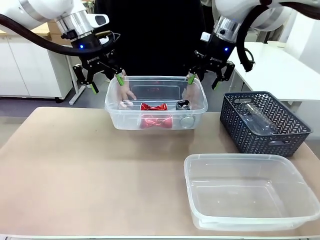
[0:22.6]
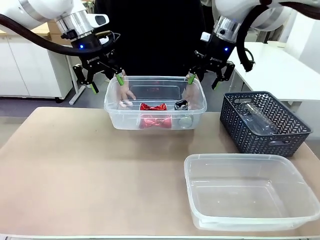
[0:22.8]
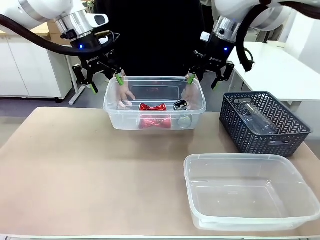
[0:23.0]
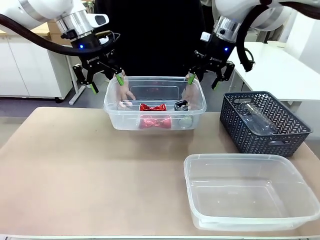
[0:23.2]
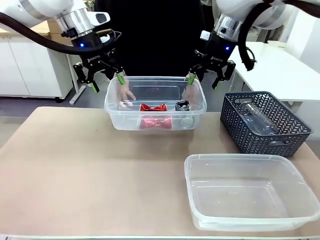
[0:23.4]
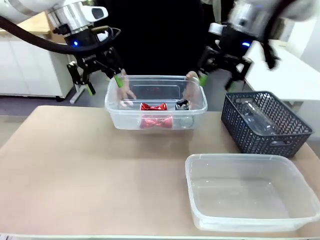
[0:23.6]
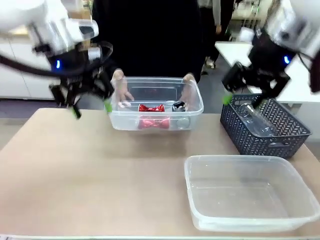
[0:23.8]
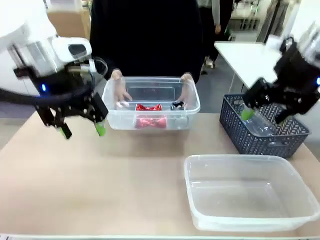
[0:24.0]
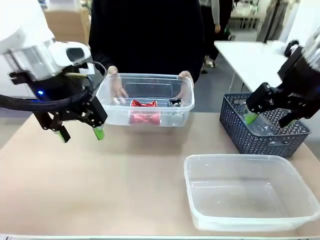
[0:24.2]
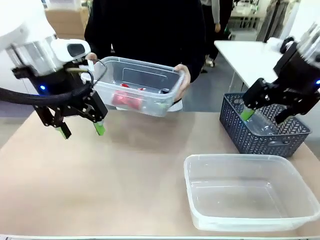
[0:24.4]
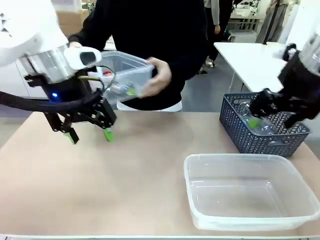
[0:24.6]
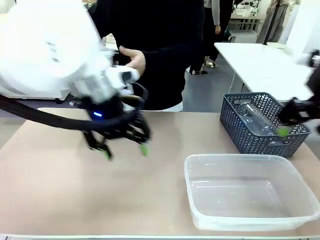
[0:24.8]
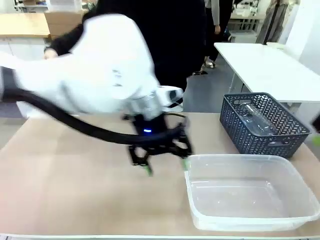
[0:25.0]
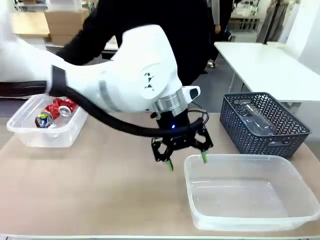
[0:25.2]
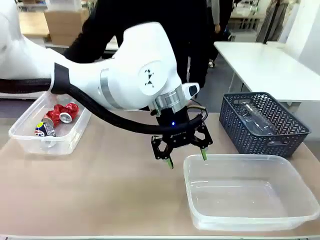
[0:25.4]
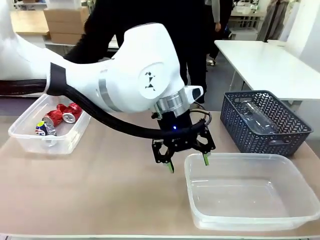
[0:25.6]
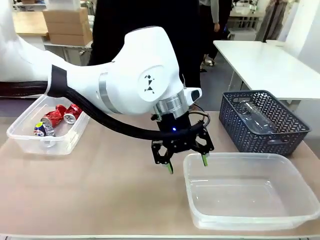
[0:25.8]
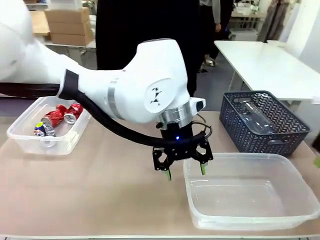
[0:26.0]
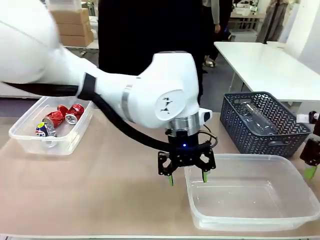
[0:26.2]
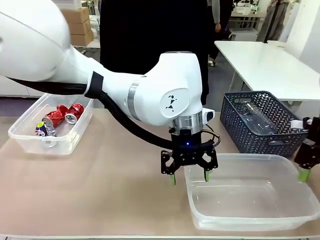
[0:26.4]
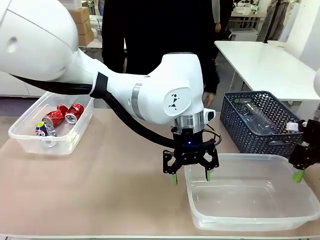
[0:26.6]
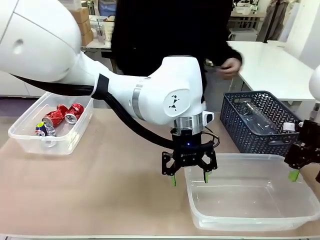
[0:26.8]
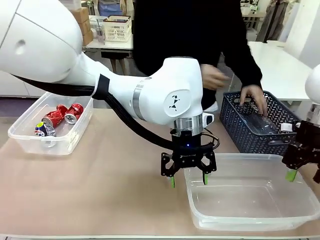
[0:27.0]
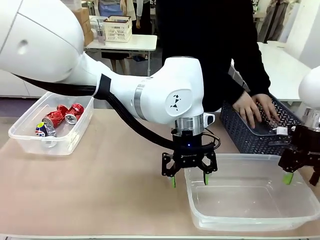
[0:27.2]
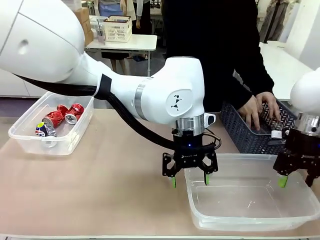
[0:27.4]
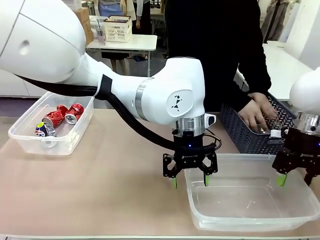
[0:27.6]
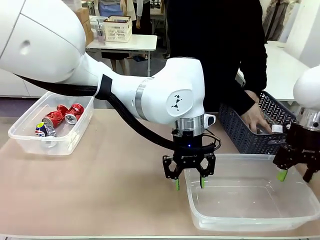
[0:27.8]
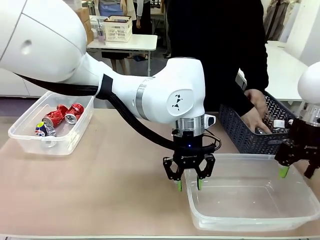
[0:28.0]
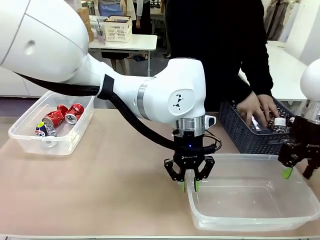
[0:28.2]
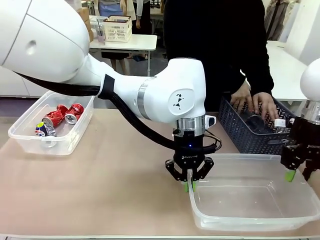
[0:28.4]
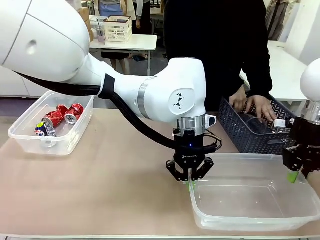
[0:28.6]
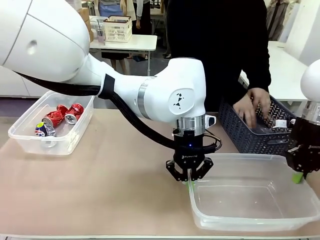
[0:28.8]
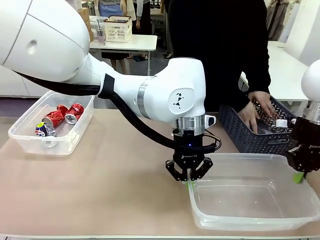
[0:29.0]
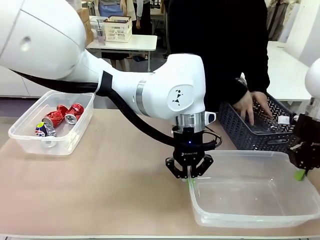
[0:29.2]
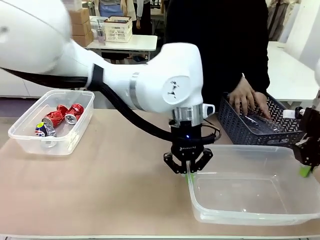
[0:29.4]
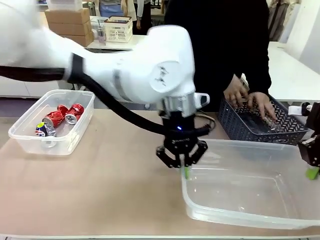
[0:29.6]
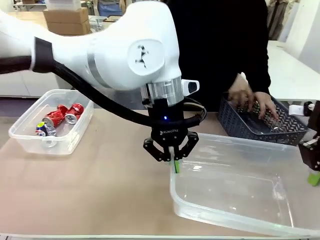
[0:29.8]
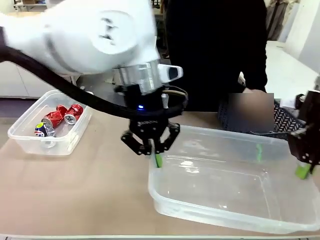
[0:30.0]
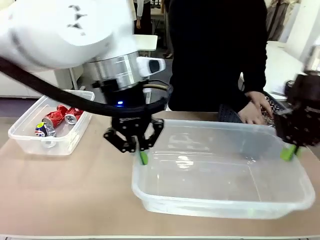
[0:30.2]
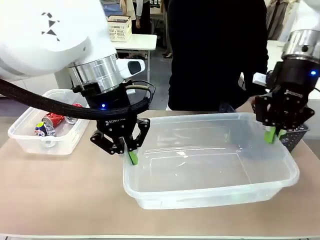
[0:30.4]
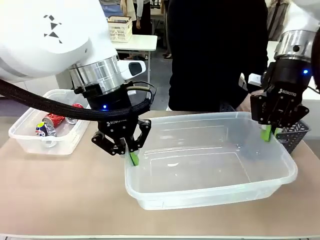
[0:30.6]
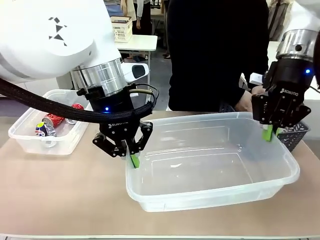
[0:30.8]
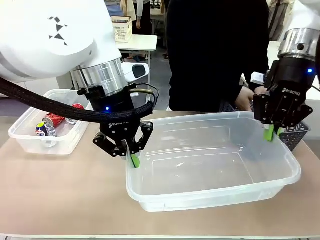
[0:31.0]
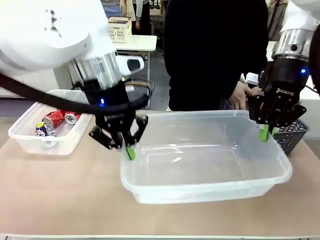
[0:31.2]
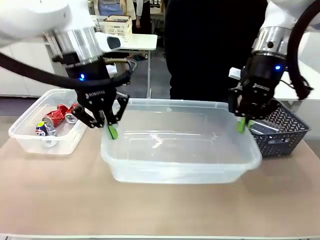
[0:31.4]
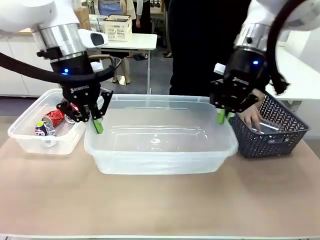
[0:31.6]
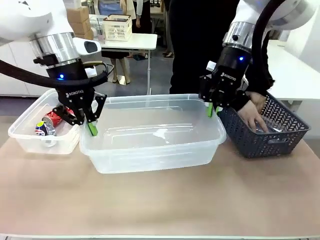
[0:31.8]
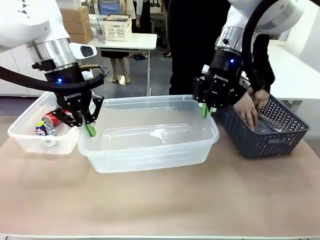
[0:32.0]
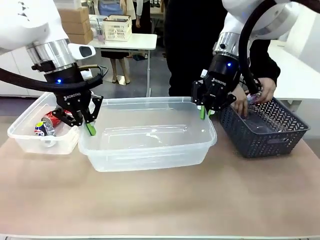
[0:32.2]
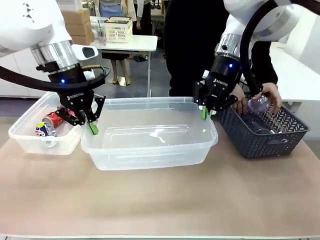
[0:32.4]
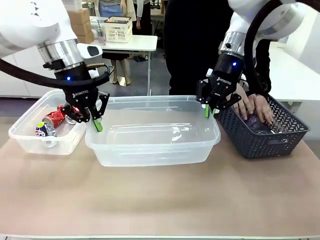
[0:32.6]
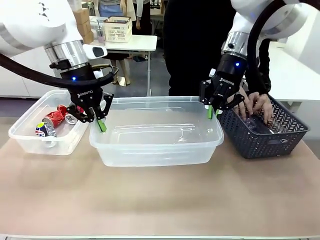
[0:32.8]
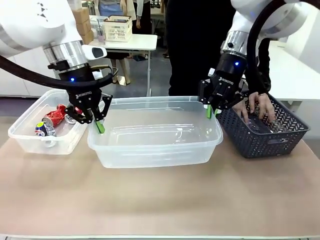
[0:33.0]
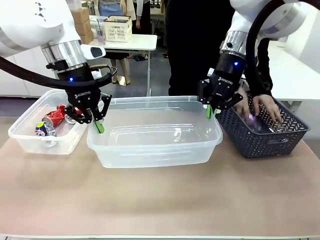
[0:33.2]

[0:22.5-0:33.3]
Robot: Pick up the Organizing box on the right side of the table and lift it.
Person: Place it at the edge of the bottom right area of the robot table. Pick up plastic waste one by one and place it into the organizing box lifted by the robot.

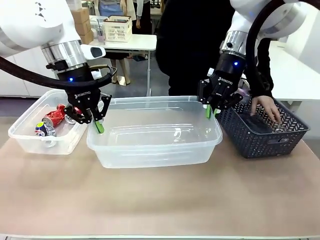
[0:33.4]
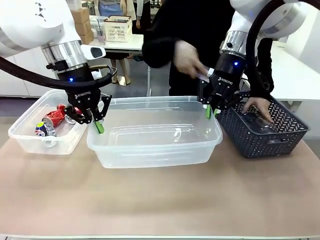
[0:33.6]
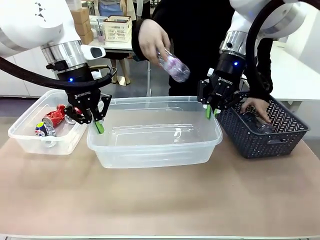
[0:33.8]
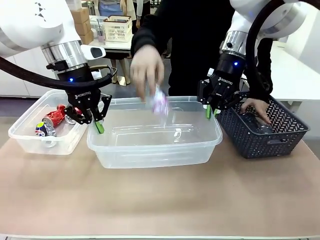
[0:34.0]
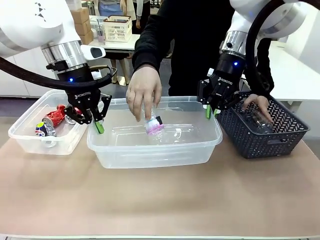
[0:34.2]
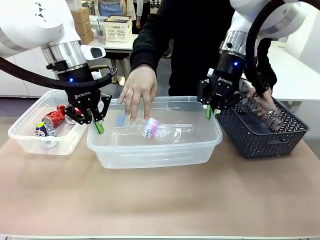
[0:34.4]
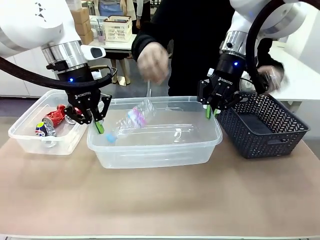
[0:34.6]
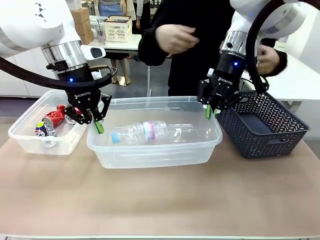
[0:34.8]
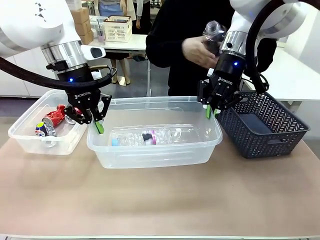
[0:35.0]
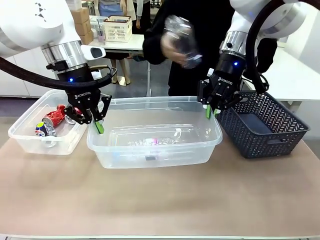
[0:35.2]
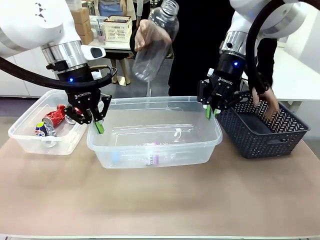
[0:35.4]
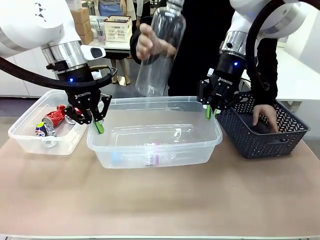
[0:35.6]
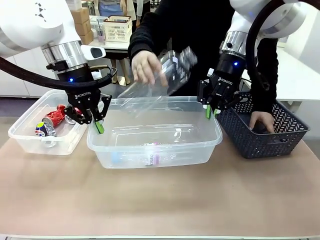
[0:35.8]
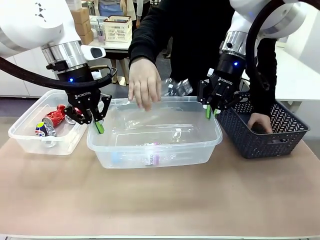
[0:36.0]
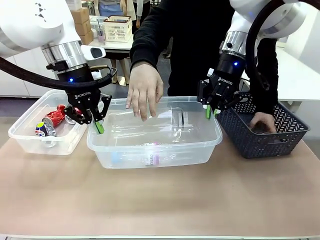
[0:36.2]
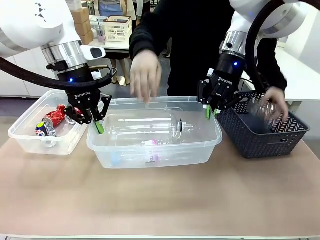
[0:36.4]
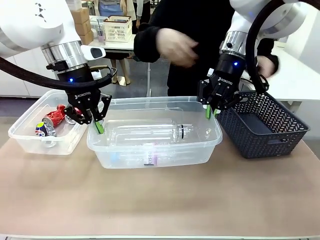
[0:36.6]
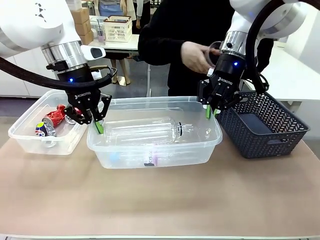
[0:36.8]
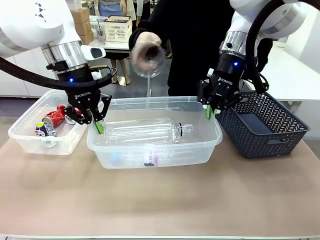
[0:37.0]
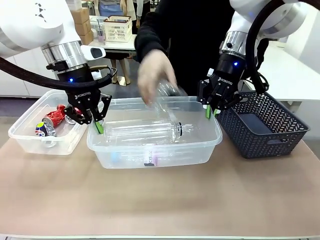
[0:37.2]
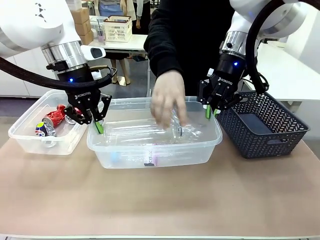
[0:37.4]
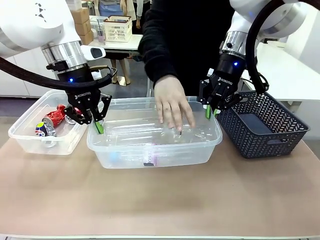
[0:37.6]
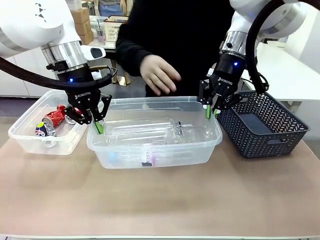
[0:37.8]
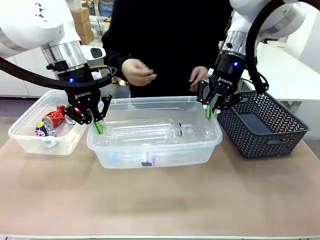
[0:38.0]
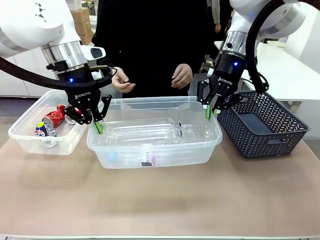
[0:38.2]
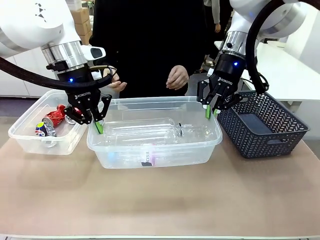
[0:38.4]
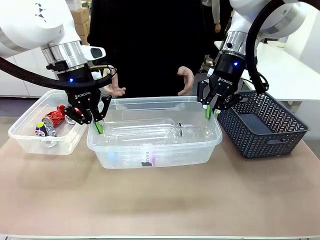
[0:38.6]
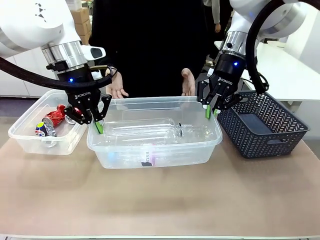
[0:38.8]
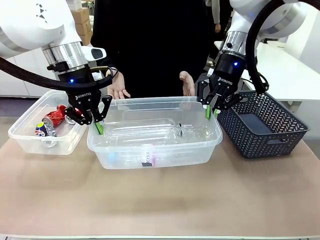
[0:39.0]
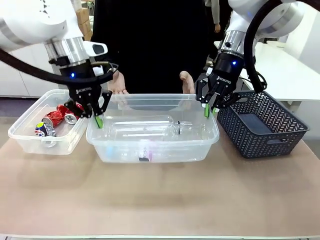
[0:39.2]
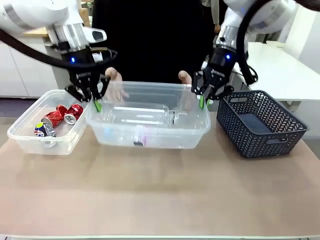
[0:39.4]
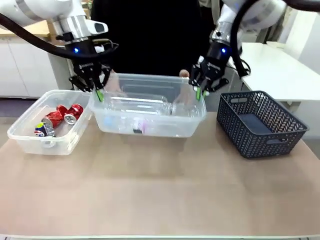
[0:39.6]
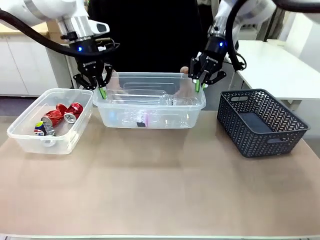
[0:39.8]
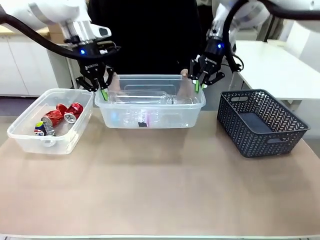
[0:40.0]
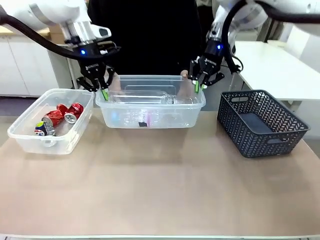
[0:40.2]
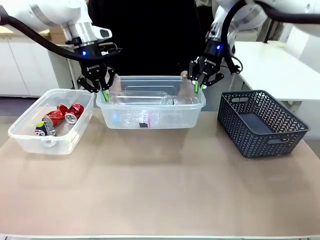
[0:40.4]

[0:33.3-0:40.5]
Robot: Offer the picked Organizing box to the human.

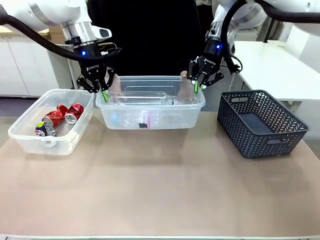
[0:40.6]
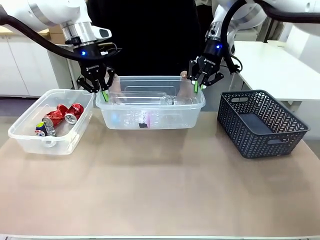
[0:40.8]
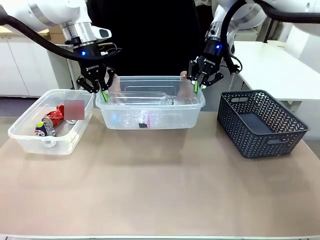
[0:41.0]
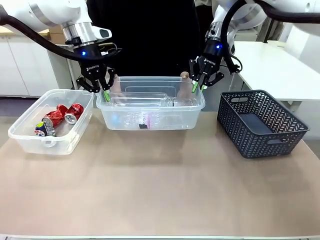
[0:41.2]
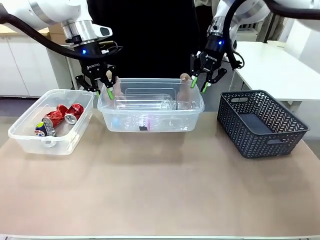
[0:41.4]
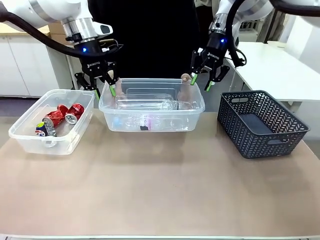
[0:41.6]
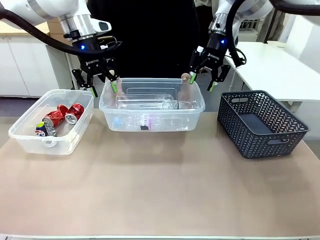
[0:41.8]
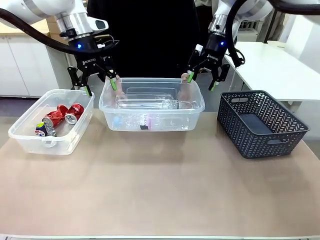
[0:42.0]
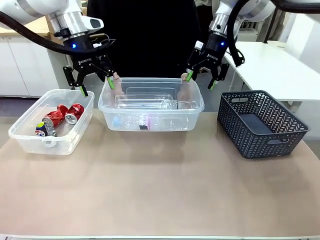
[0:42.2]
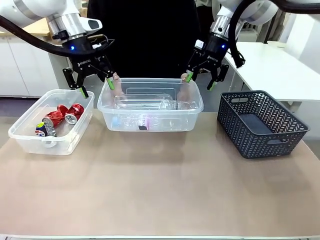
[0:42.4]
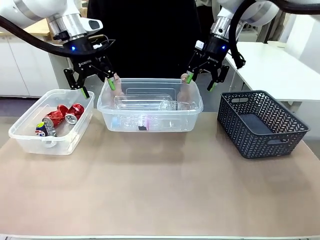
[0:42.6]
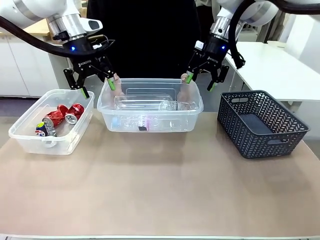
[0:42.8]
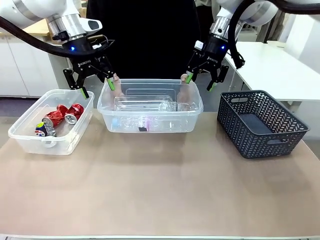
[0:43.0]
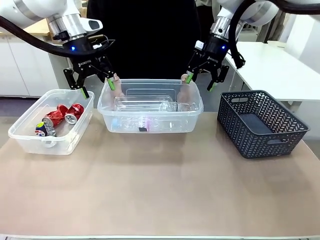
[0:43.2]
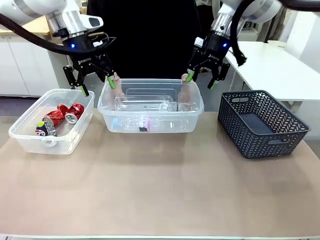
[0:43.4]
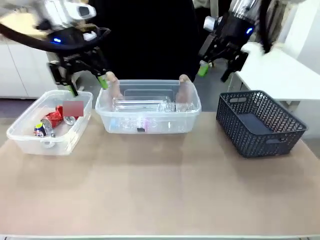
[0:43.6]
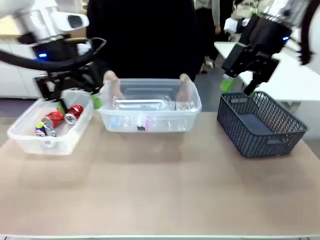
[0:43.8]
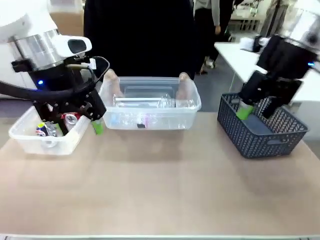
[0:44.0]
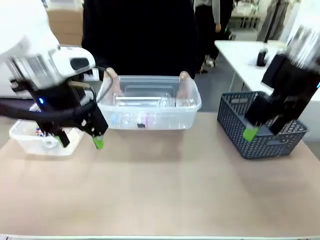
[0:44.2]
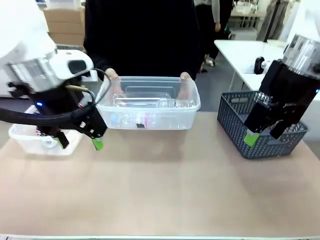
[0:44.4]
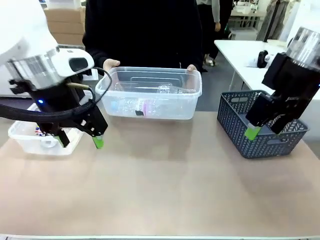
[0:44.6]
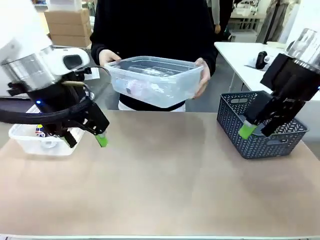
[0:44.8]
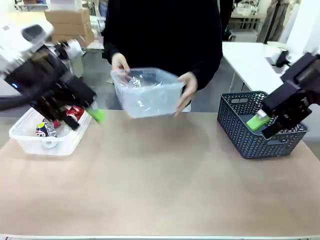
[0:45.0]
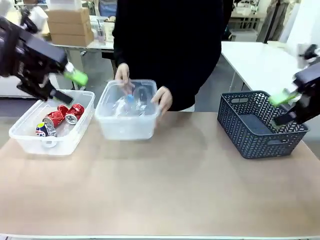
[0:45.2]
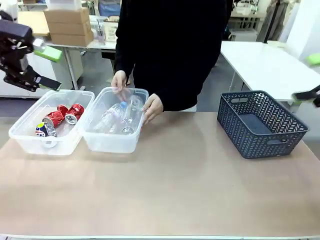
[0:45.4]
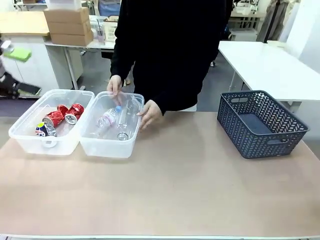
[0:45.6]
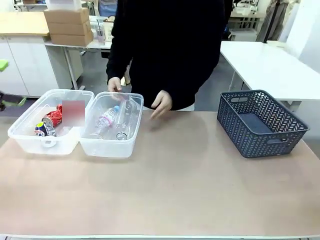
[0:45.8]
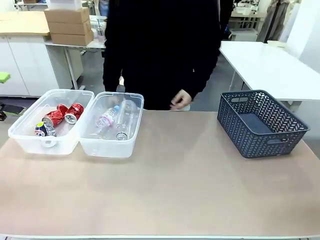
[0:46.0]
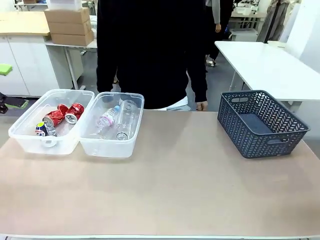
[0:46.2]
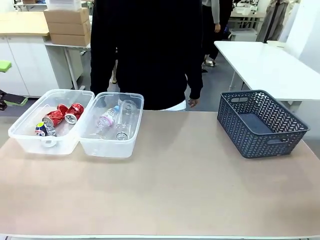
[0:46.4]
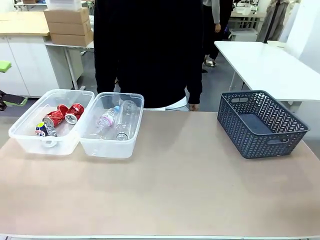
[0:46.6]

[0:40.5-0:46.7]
Robot: Release the Organizing box you were holding.
Person: Pick up the organizing box extended by the robot. Place the organizing box to the left of the sorting box containing the can waste.
